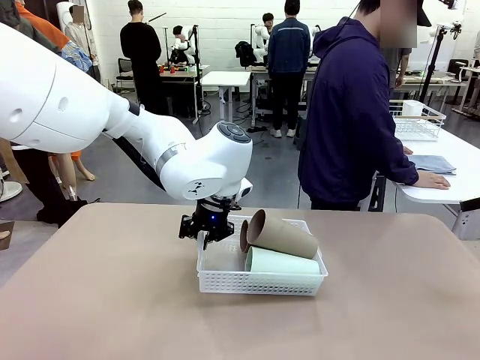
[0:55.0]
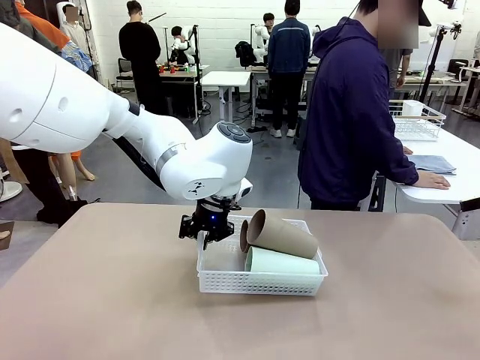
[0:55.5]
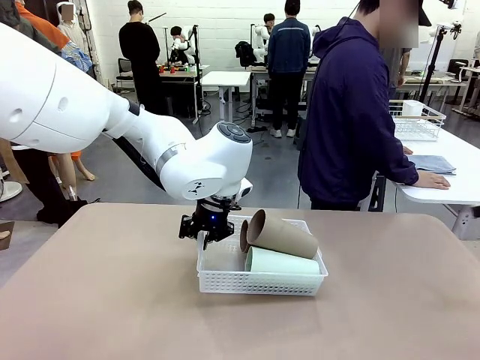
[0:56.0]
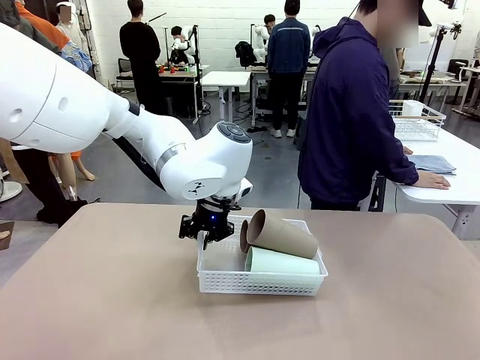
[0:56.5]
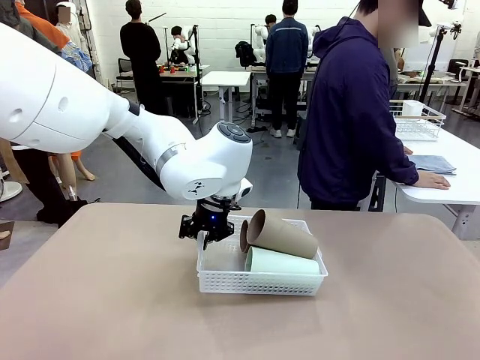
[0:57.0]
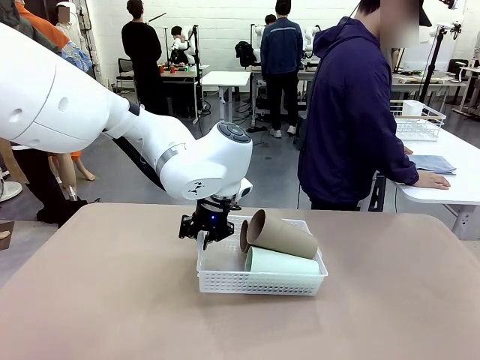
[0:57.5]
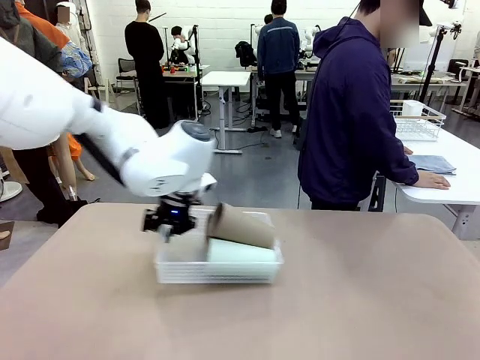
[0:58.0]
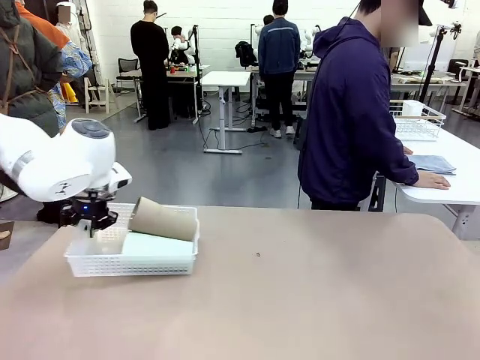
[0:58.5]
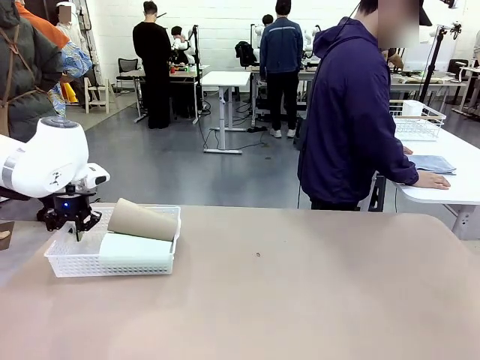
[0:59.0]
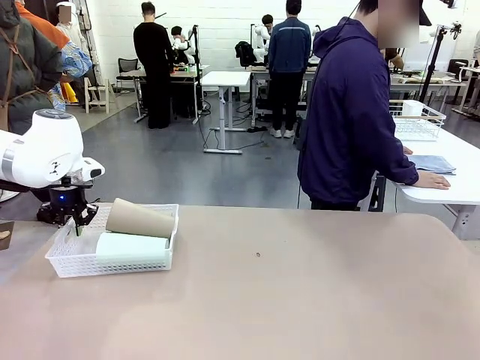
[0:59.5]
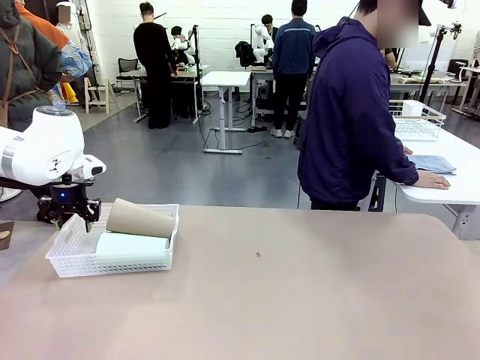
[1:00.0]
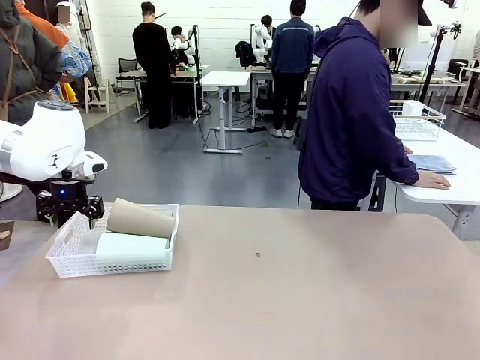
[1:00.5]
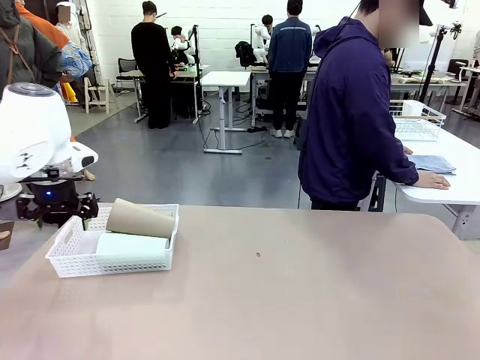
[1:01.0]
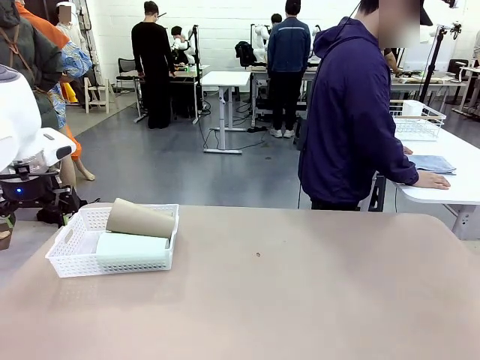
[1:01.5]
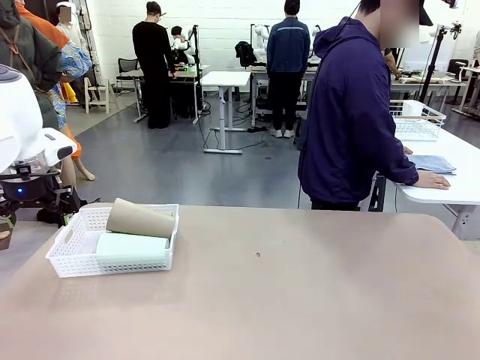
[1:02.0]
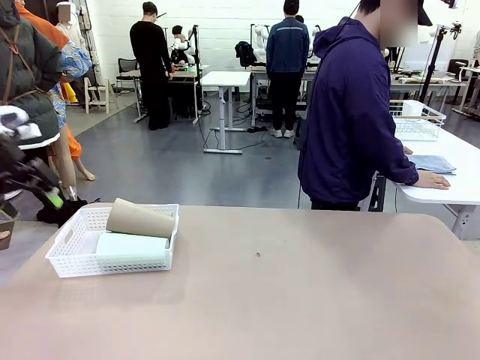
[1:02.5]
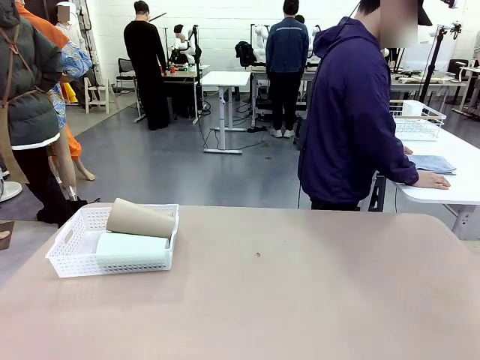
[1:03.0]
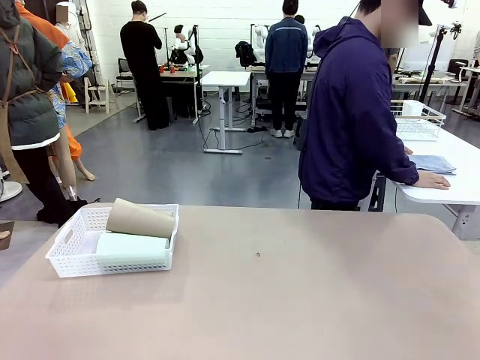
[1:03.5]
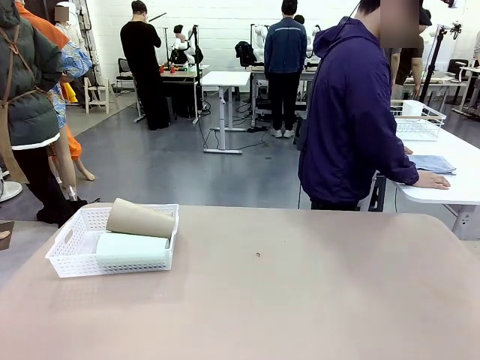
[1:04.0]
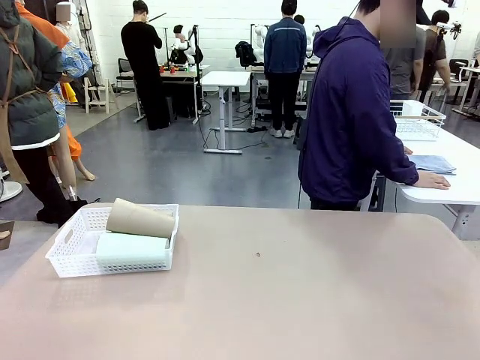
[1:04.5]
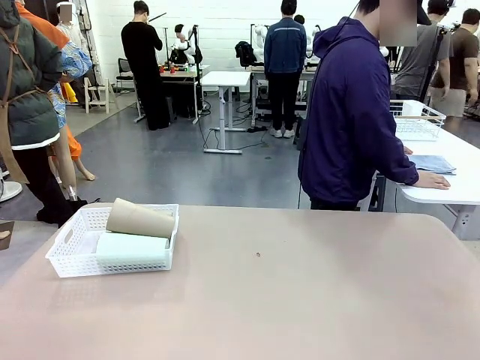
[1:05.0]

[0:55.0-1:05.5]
Task: Clean and organize the cups into the basket.
Robot: Move the Organizing basket back to the left side of the table.

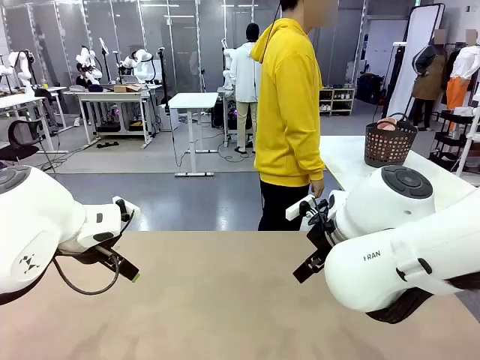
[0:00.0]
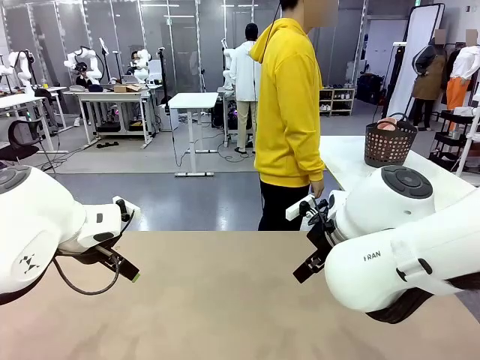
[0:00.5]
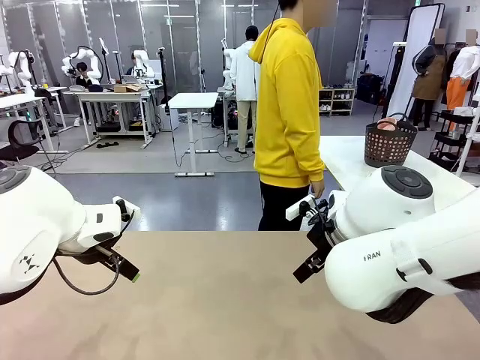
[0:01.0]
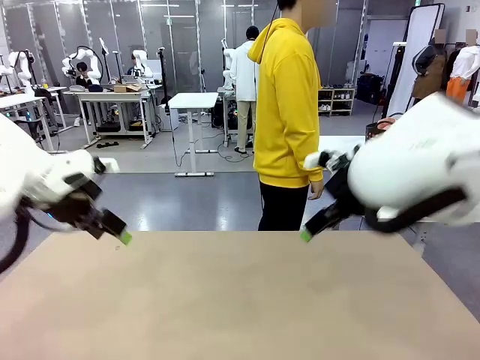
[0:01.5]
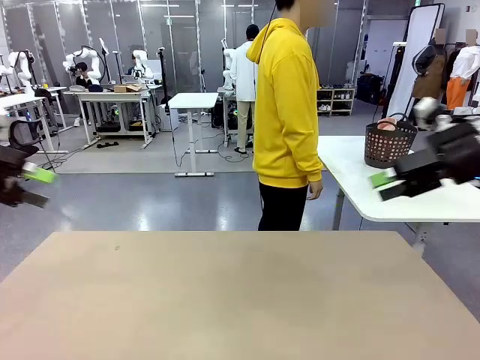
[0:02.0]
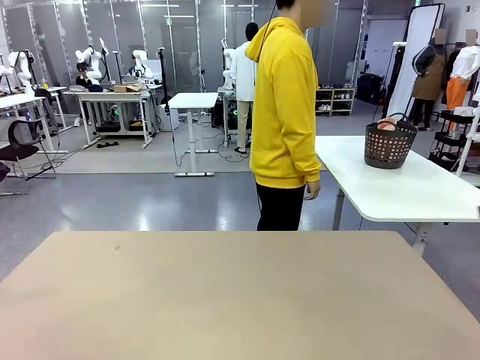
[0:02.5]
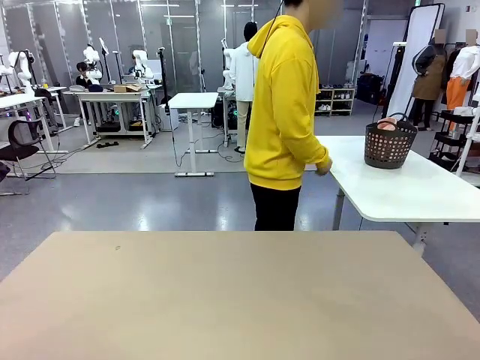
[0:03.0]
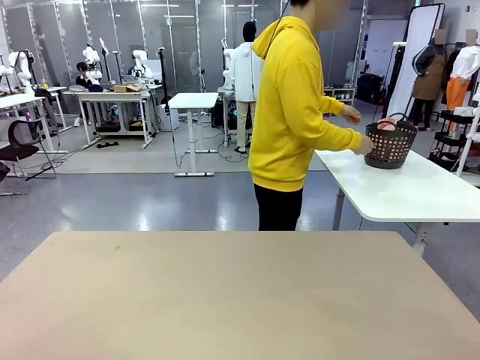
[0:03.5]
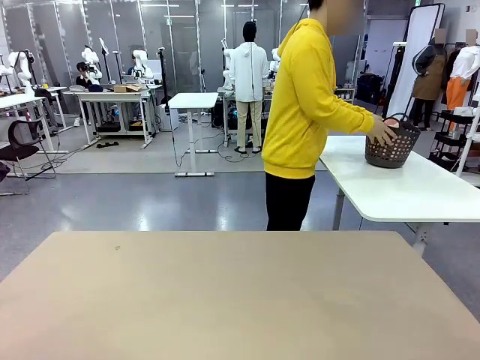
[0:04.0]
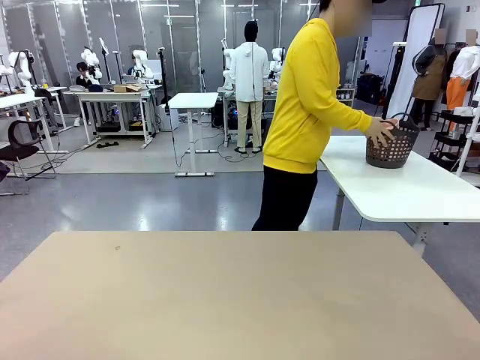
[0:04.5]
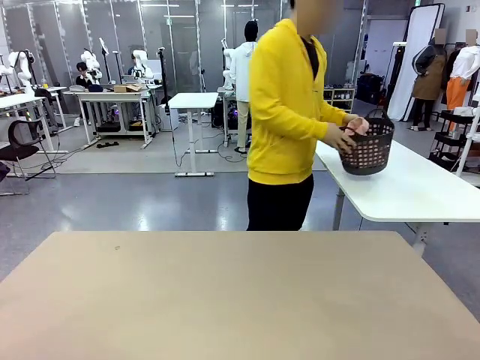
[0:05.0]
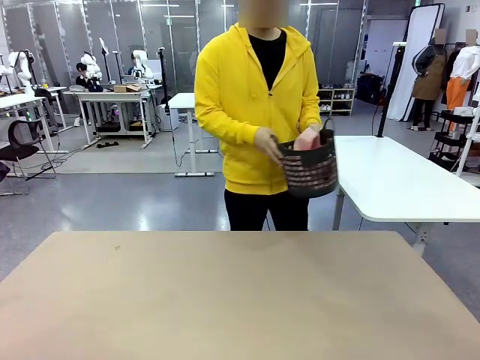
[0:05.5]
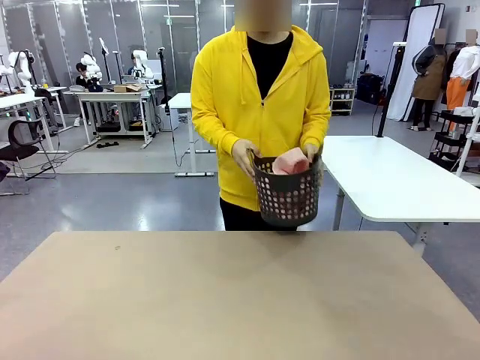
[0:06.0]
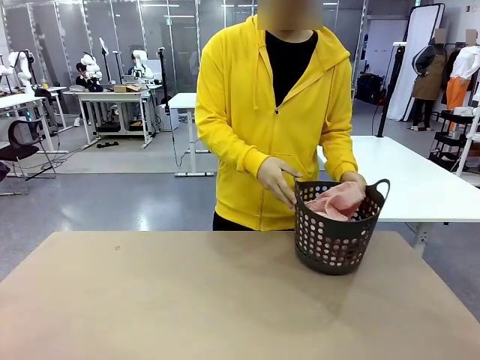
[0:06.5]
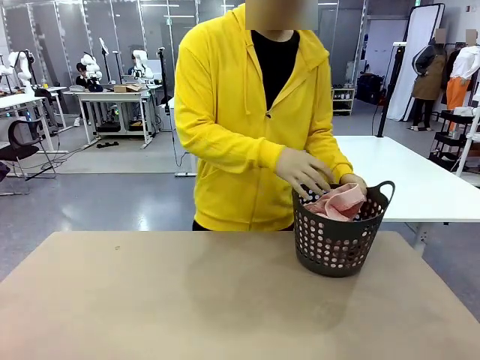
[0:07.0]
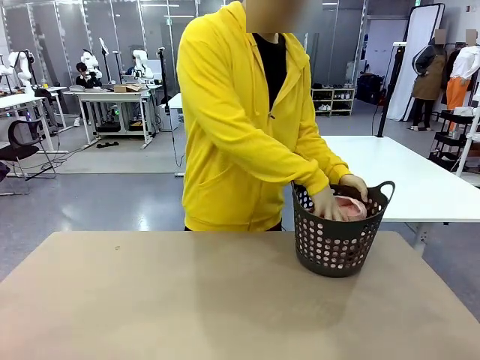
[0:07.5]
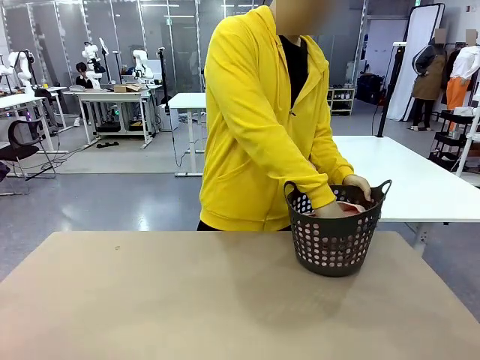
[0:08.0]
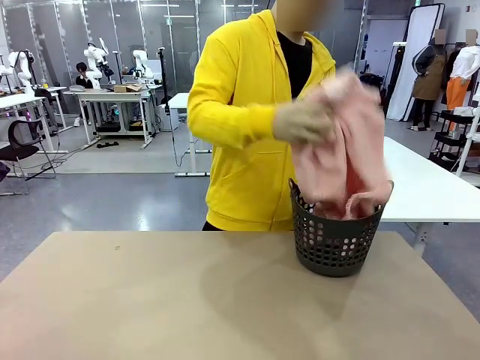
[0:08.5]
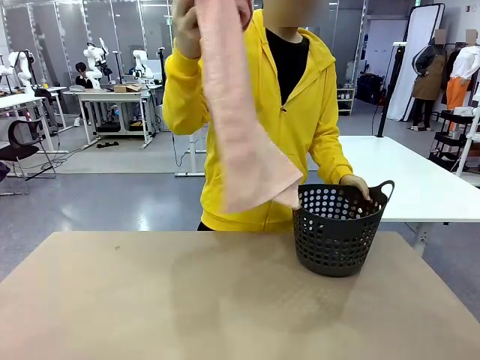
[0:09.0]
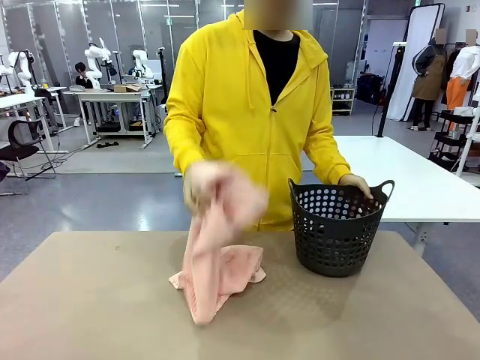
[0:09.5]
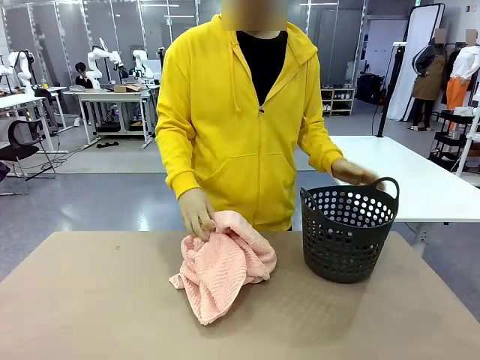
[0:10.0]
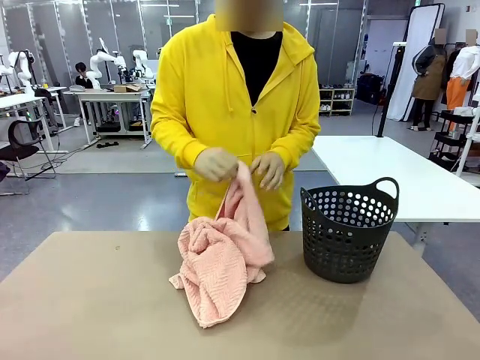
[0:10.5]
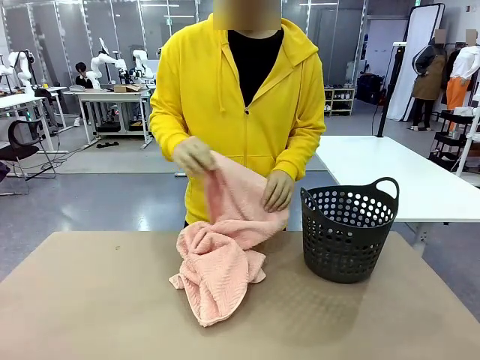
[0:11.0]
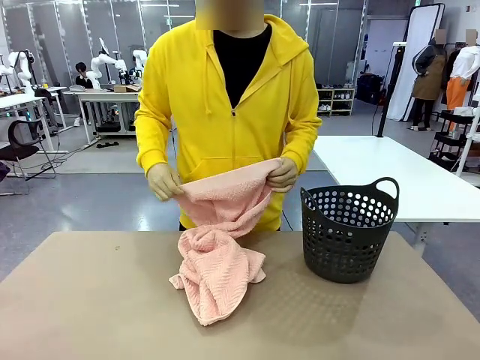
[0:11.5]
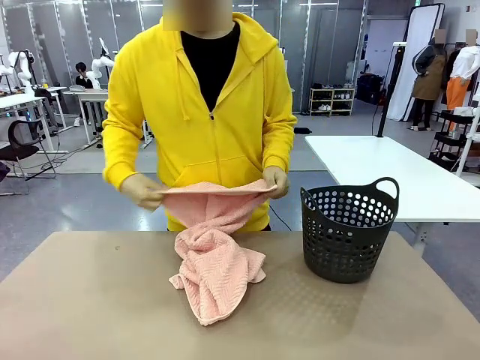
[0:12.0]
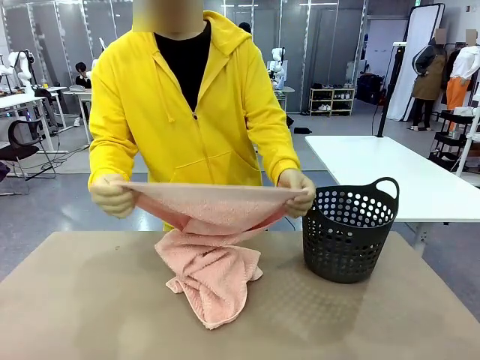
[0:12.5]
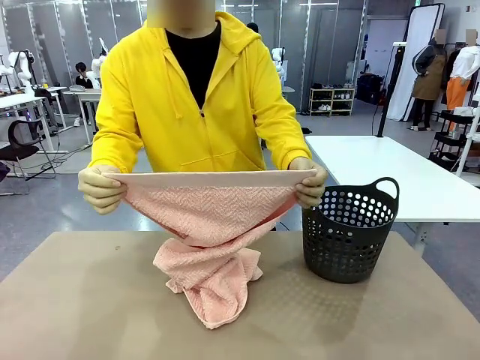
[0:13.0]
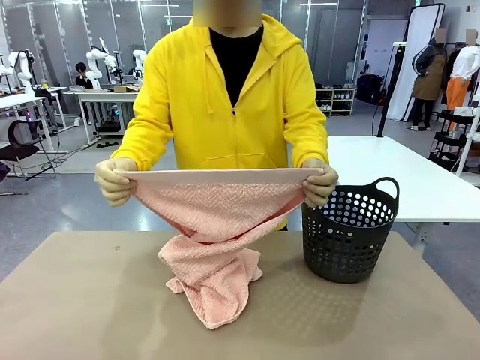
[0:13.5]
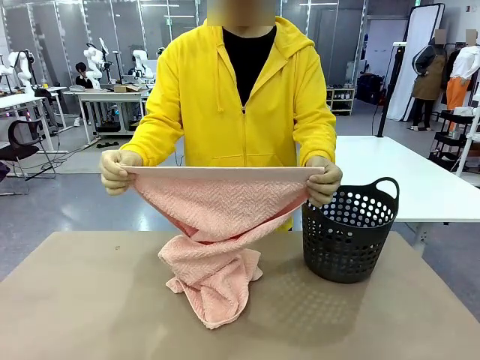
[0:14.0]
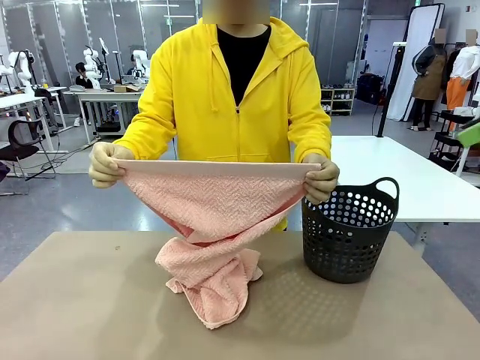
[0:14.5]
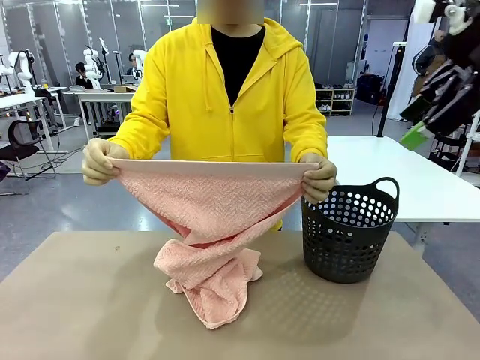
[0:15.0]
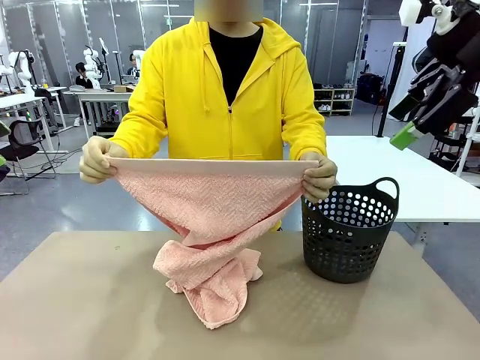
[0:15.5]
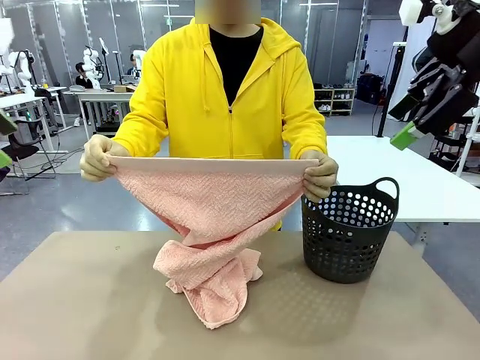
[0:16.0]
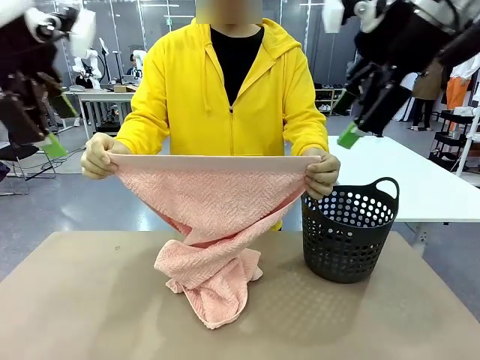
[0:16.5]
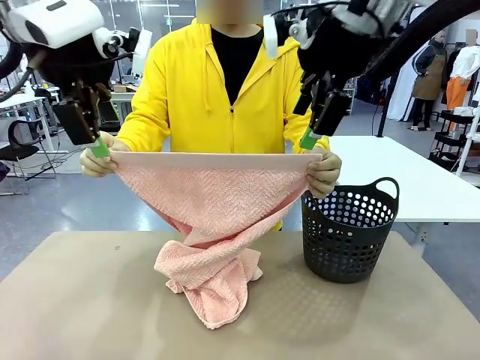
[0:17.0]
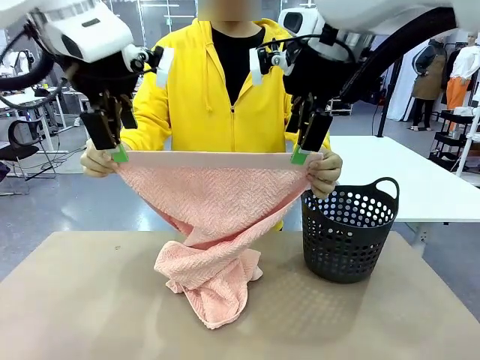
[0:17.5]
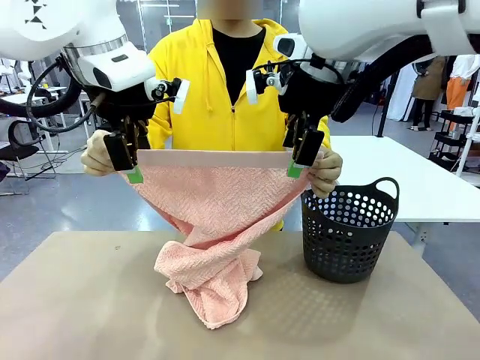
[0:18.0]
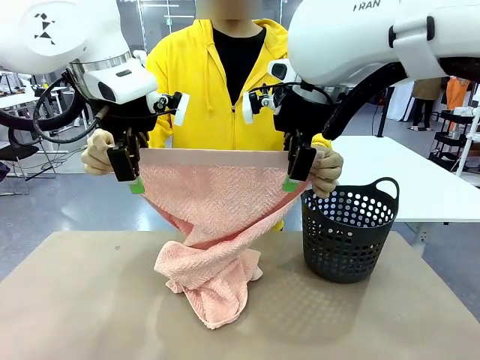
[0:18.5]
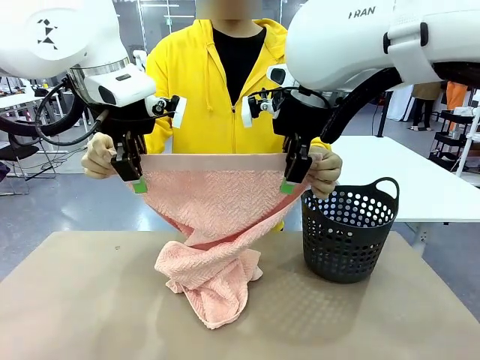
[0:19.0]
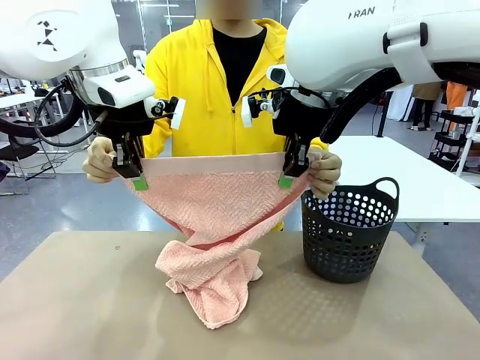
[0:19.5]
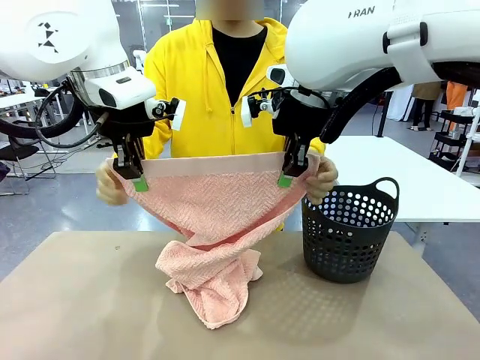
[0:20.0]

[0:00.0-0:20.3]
Task: Fold the towel.
Robot: Grab the top end of the 100 cm Hotel Towel extended by the human.
Person: Pick up the laundry basket, place it on the left side of the robot table, then take out a towel and hand it to the robot while holding both corners of one end.
